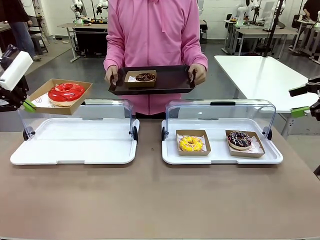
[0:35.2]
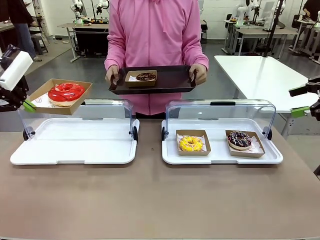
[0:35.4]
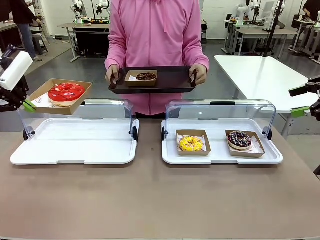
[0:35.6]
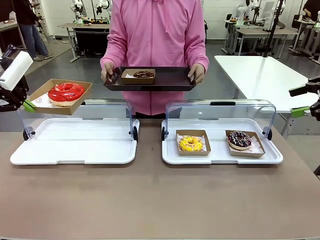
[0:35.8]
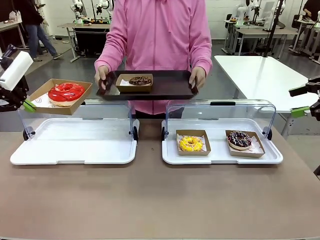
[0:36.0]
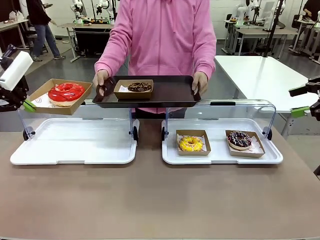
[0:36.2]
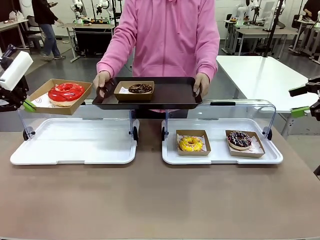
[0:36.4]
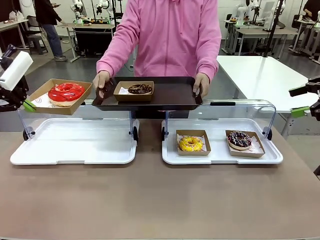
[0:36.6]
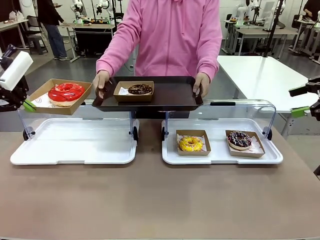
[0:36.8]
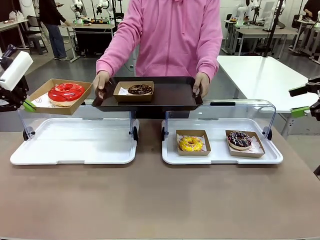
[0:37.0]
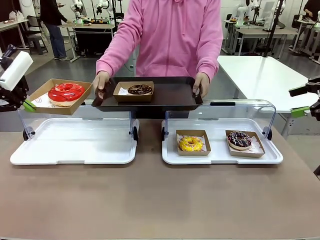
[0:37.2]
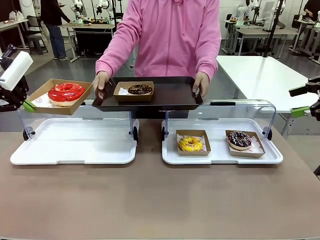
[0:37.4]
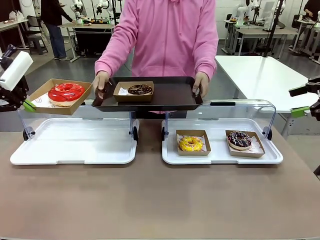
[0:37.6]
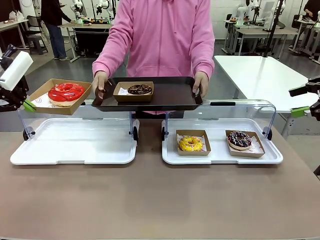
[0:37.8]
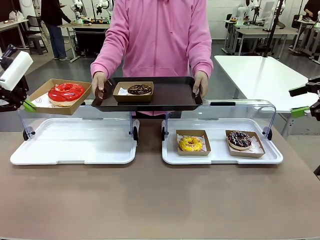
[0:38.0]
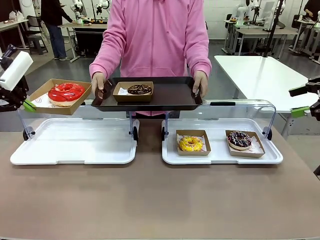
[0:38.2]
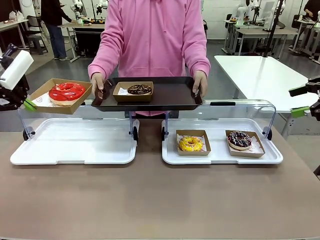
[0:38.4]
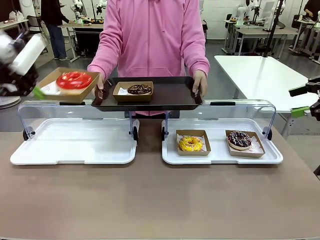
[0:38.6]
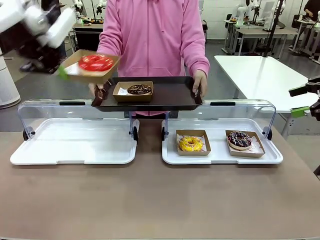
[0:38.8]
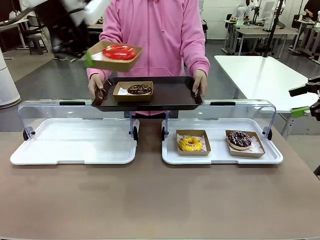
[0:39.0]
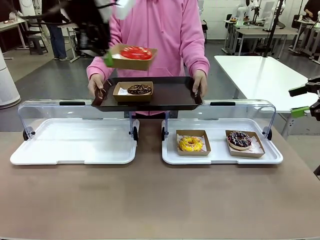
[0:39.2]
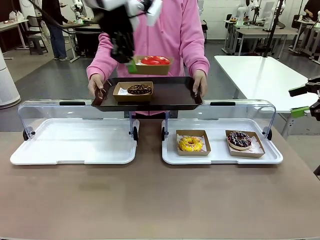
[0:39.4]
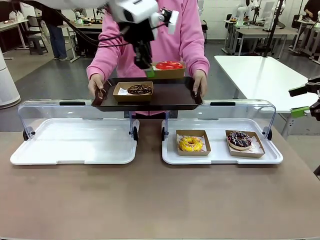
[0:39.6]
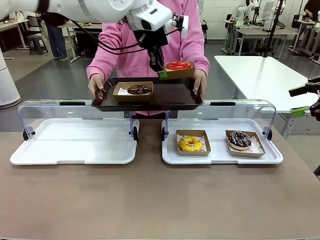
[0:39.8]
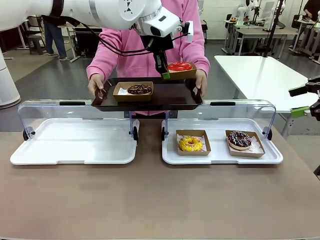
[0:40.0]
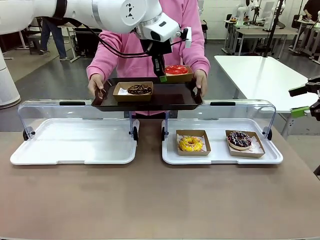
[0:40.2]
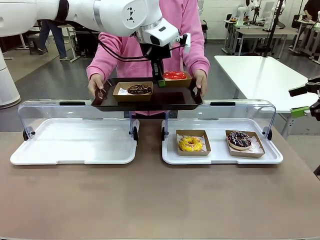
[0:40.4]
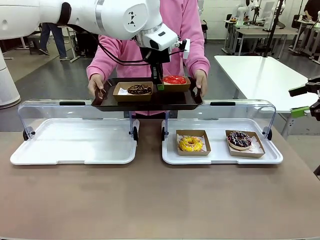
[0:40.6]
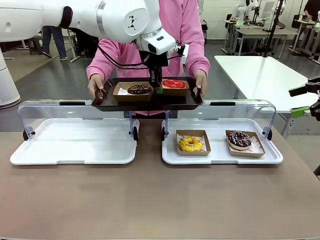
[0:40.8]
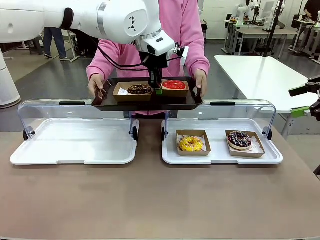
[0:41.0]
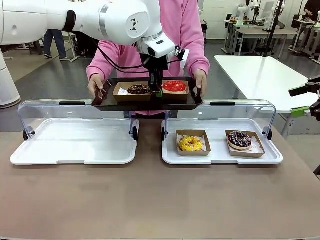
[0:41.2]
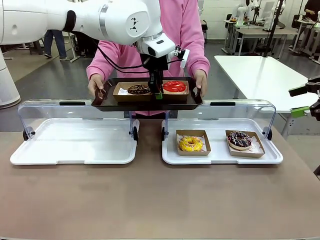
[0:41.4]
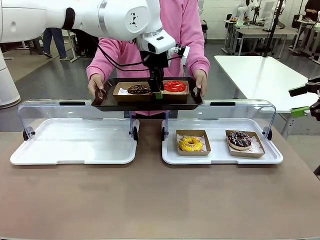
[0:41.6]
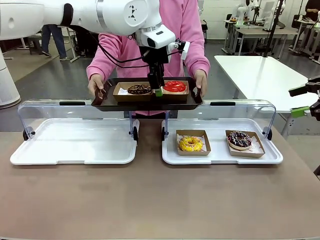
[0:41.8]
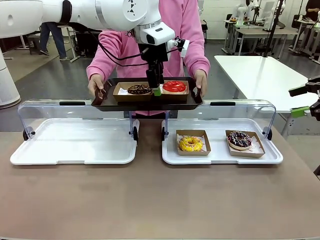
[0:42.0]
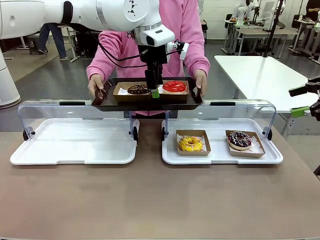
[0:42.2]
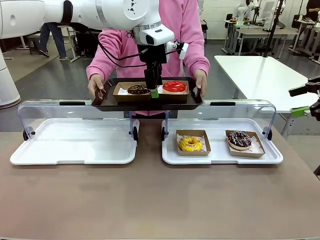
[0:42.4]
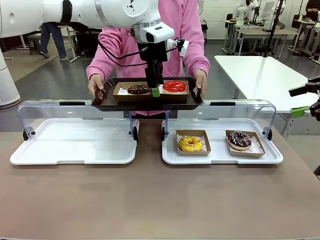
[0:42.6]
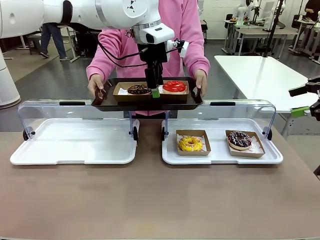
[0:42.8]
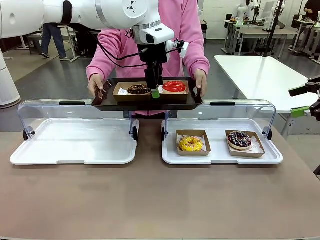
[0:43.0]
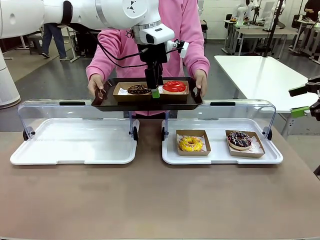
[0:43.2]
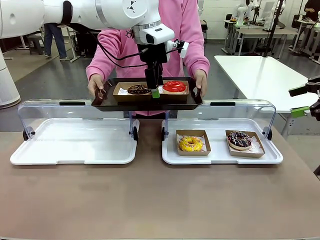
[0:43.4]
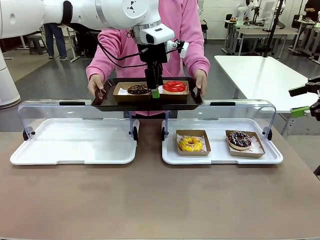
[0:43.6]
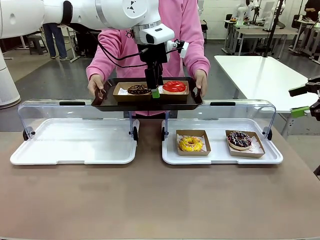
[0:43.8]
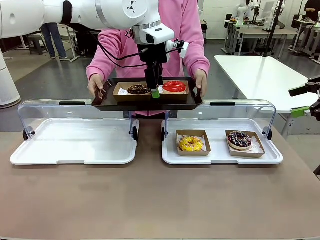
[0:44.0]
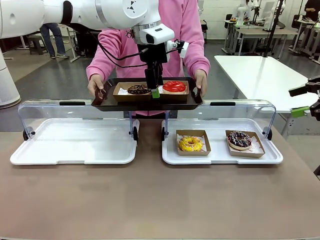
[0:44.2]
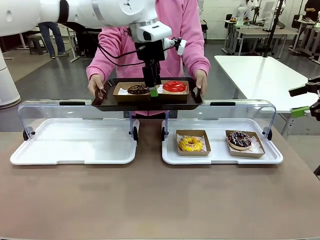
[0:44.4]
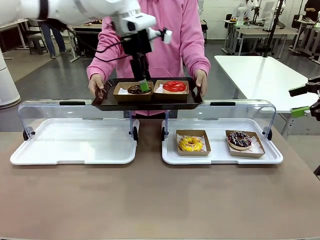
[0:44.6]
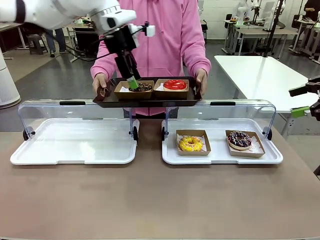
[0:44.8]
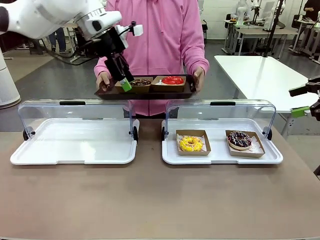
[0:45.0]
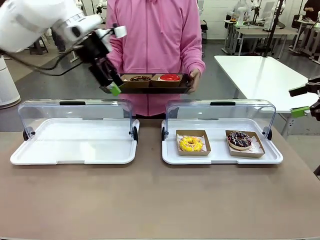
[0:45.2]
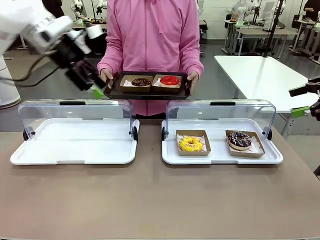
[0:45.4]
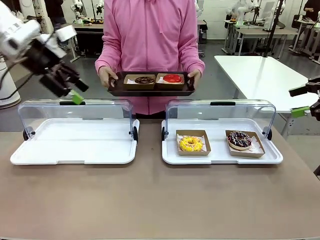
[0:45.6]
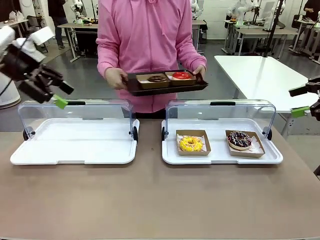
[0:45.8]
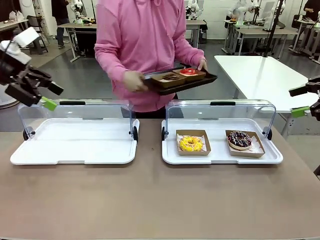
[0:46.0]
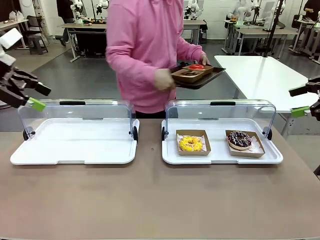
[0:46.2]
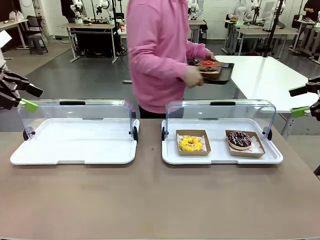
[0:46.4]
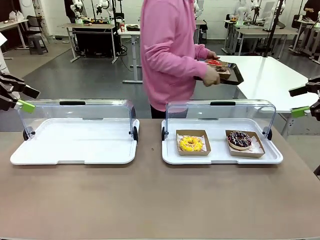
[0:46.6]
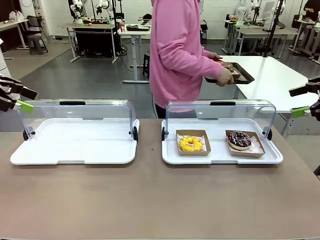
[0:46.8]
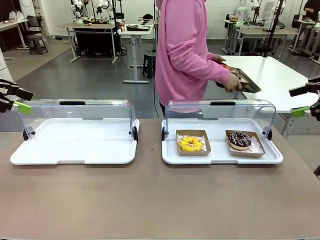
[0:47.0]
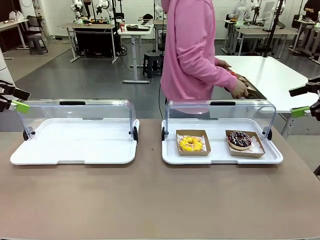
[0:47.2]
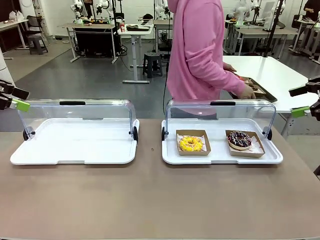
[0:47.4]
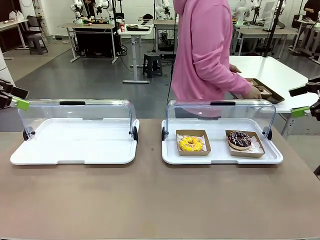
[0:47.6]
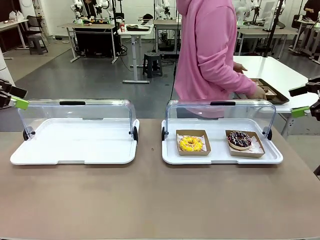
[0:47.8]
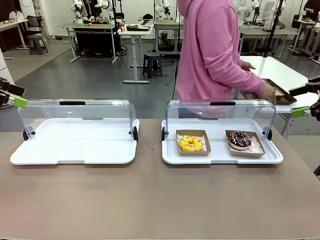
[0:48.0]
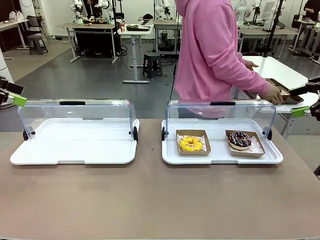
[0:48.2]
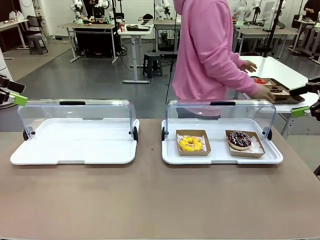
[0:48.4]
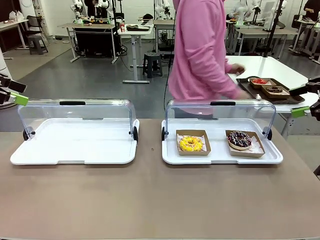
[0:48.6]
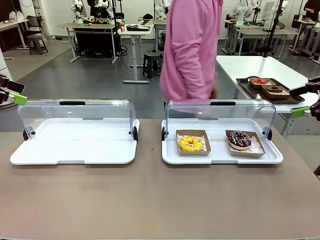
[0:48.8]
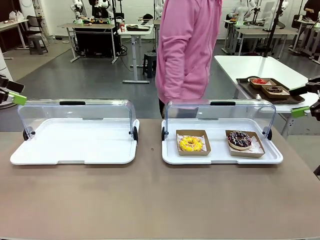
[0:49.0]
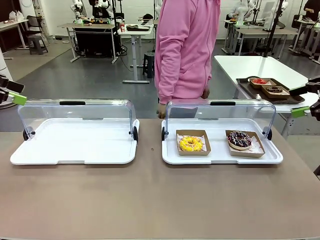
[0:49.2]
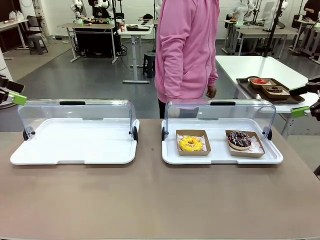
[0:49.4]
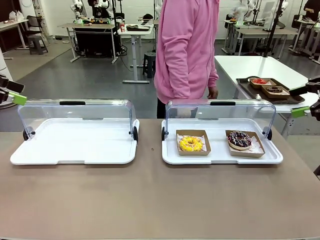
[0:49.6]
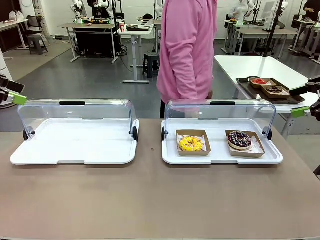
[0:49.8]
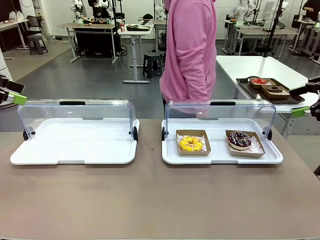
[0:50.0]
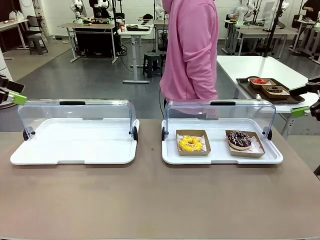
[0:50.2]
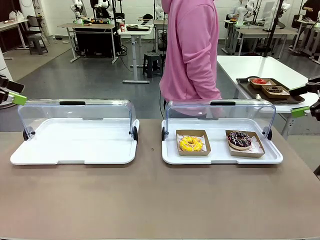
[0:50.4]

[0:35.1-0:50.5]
Task: Provide the desired donut to the person.
Robot: Place the picked Paper togo box onto the Handle tray extended by the person.
Person: Place the tray in the middle of the human table.
